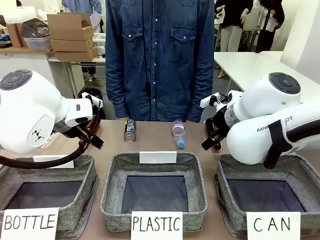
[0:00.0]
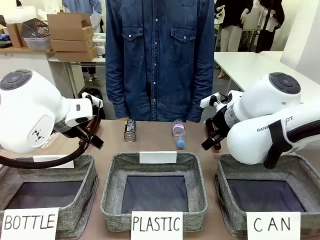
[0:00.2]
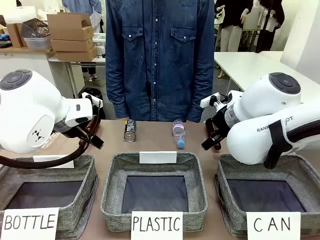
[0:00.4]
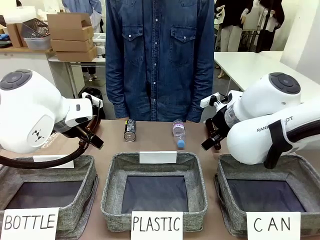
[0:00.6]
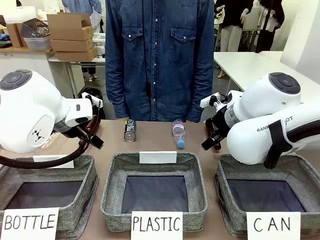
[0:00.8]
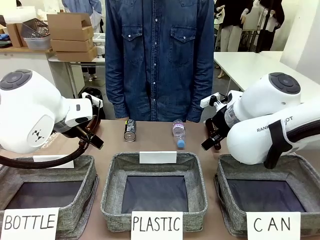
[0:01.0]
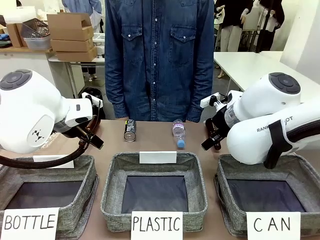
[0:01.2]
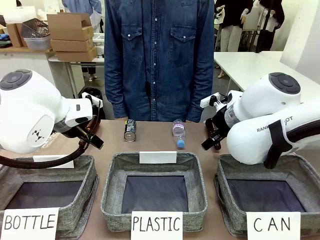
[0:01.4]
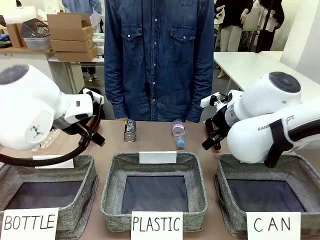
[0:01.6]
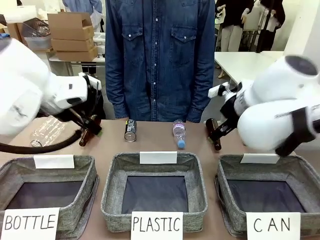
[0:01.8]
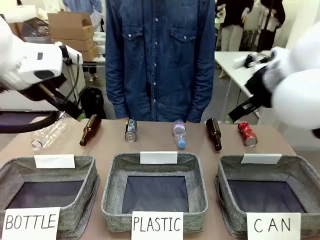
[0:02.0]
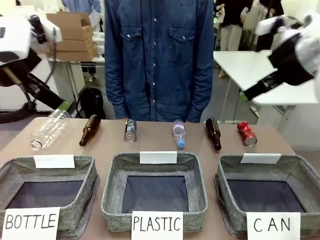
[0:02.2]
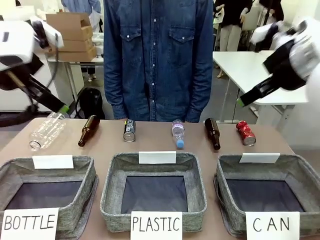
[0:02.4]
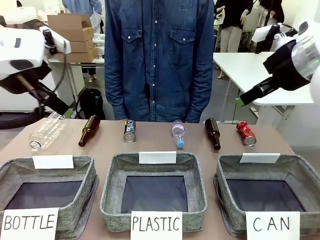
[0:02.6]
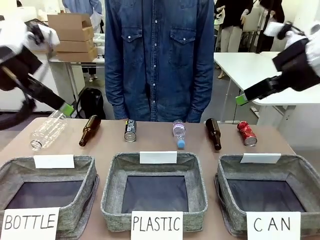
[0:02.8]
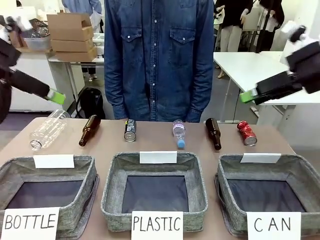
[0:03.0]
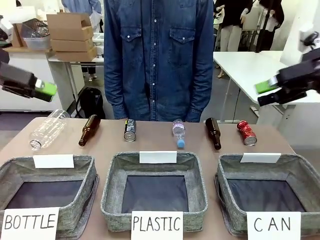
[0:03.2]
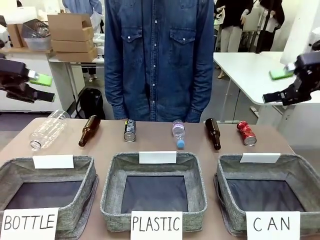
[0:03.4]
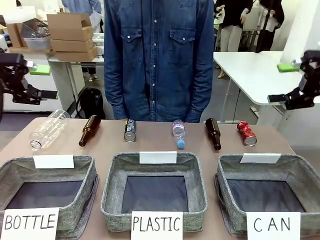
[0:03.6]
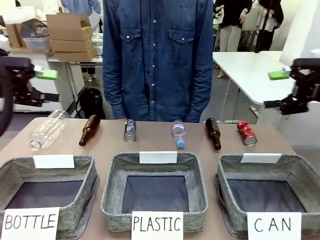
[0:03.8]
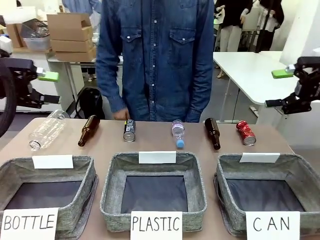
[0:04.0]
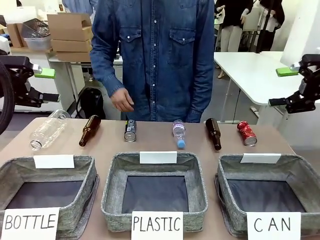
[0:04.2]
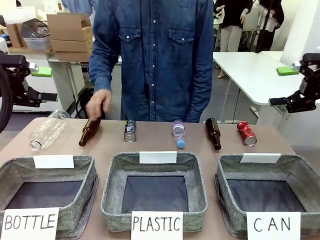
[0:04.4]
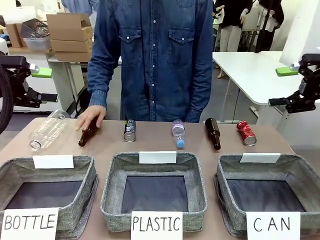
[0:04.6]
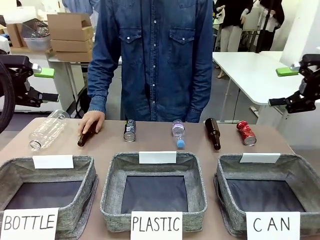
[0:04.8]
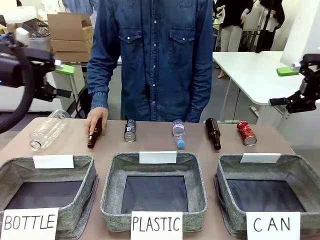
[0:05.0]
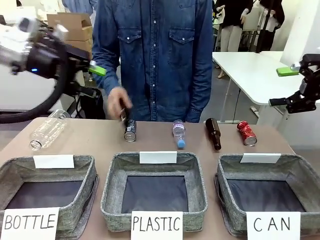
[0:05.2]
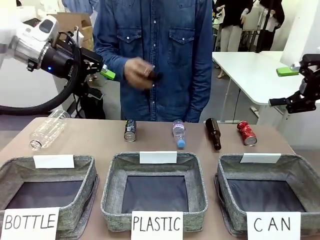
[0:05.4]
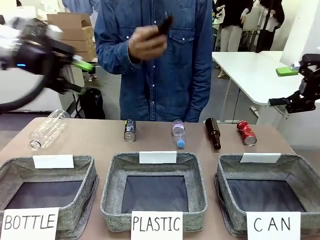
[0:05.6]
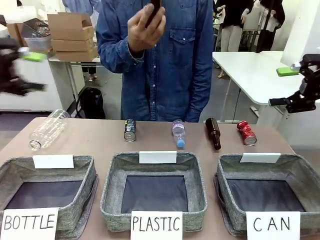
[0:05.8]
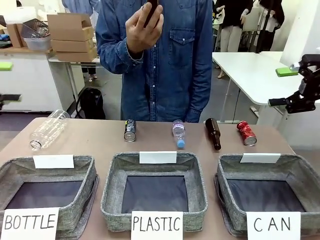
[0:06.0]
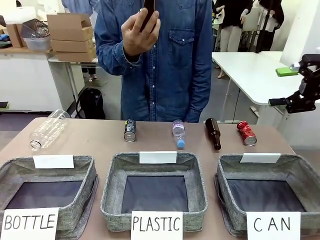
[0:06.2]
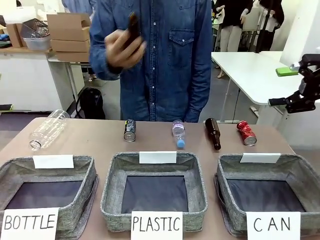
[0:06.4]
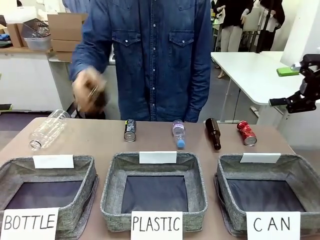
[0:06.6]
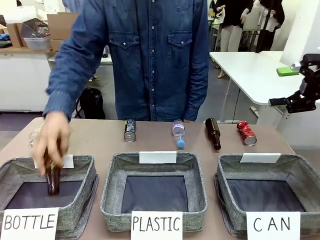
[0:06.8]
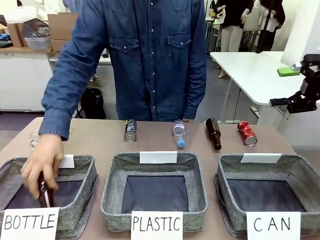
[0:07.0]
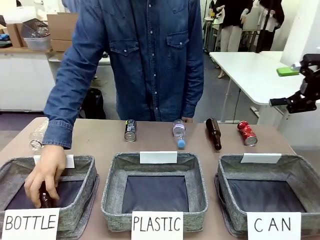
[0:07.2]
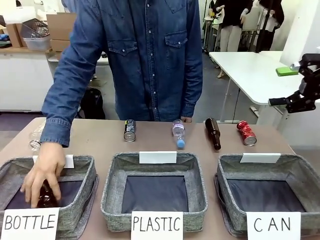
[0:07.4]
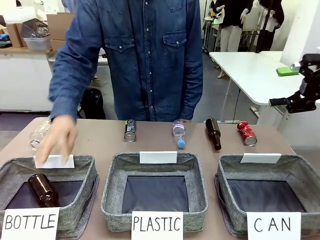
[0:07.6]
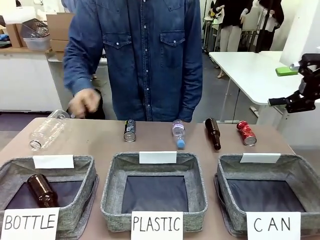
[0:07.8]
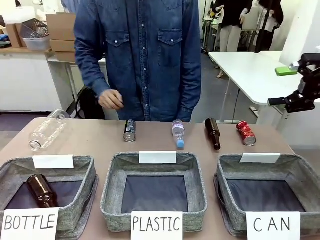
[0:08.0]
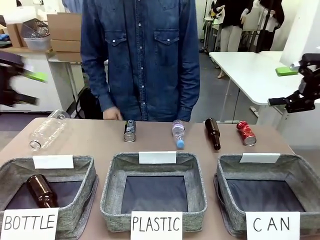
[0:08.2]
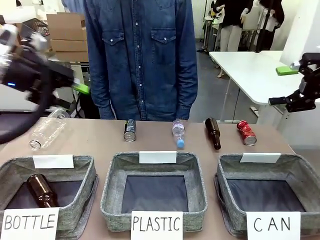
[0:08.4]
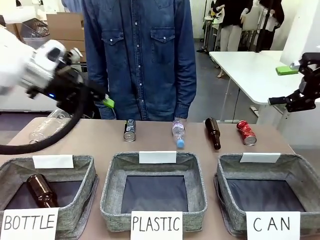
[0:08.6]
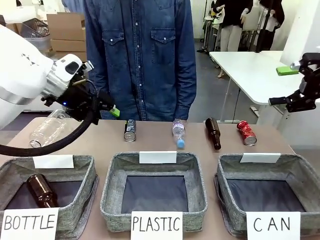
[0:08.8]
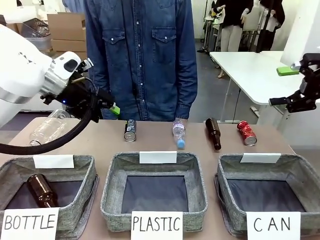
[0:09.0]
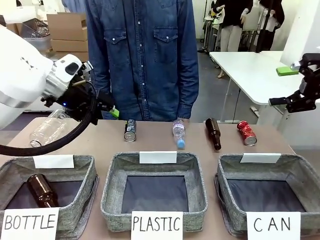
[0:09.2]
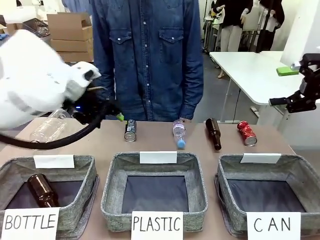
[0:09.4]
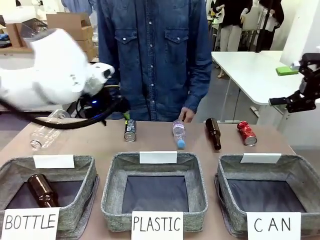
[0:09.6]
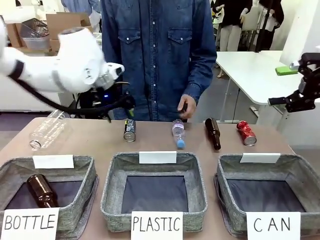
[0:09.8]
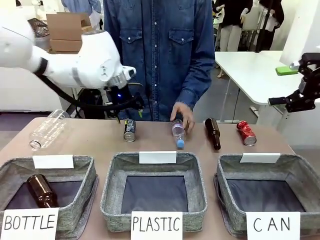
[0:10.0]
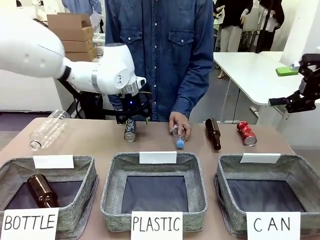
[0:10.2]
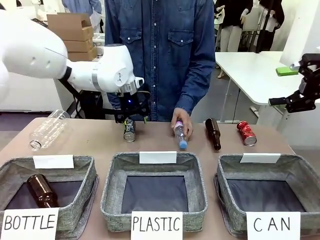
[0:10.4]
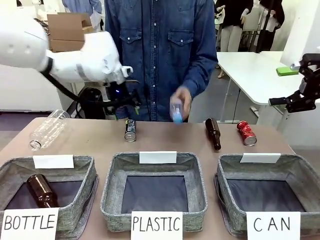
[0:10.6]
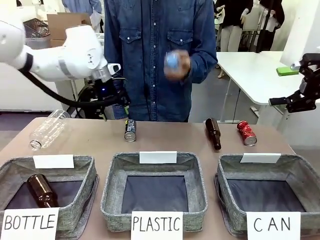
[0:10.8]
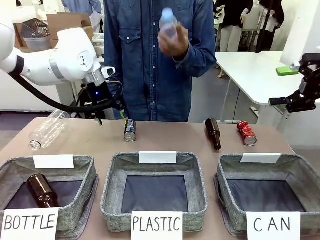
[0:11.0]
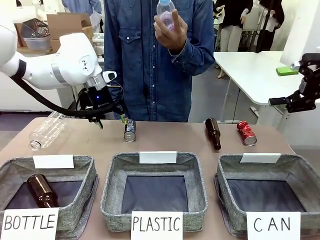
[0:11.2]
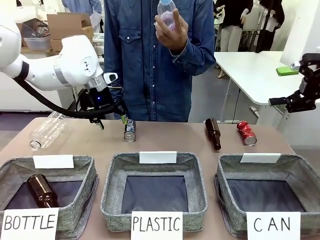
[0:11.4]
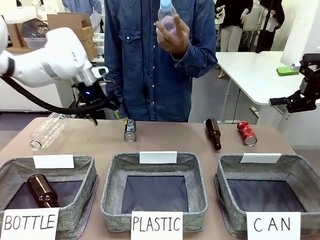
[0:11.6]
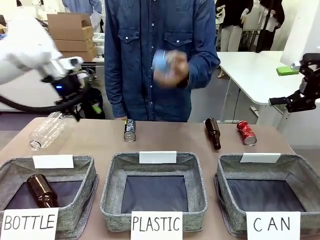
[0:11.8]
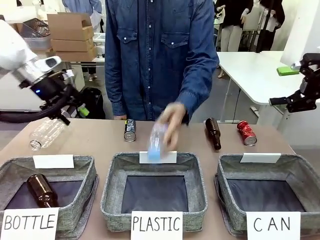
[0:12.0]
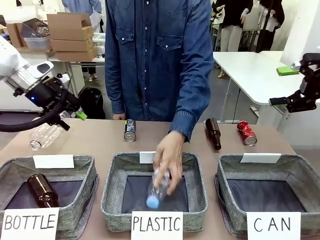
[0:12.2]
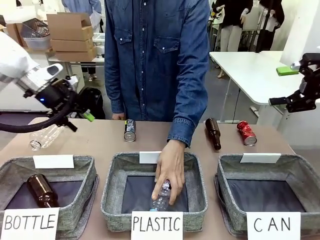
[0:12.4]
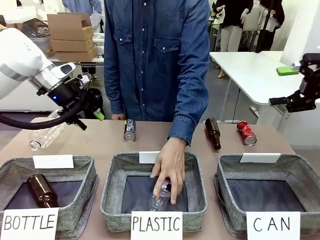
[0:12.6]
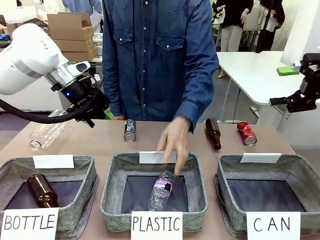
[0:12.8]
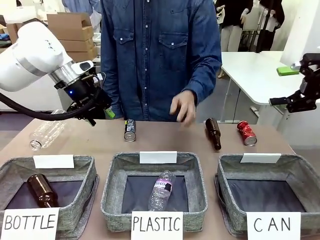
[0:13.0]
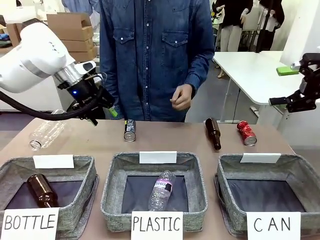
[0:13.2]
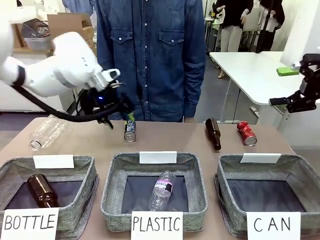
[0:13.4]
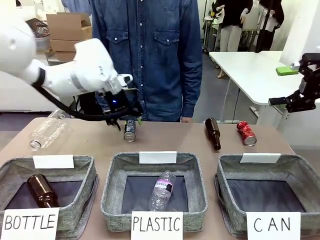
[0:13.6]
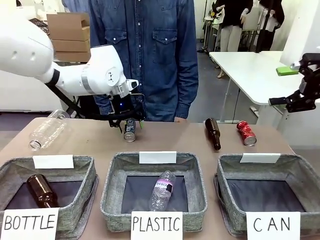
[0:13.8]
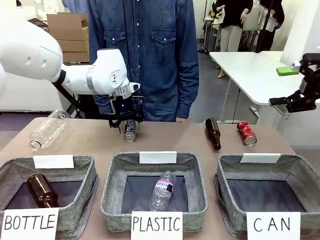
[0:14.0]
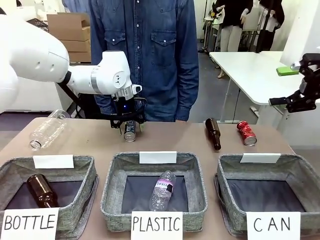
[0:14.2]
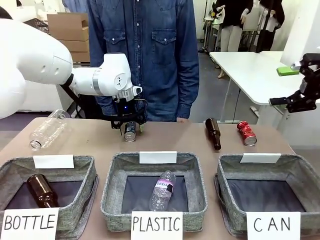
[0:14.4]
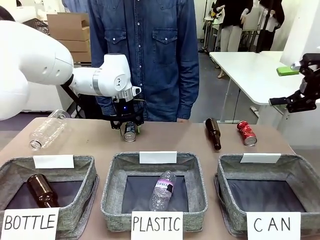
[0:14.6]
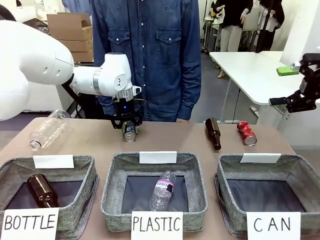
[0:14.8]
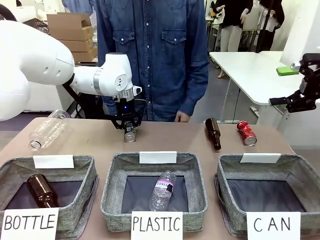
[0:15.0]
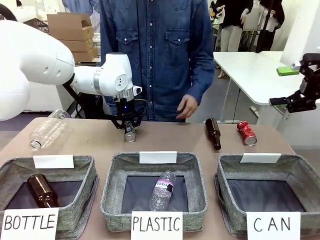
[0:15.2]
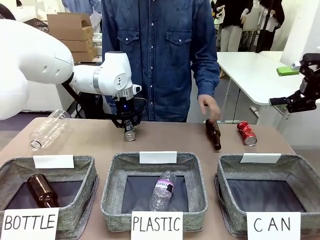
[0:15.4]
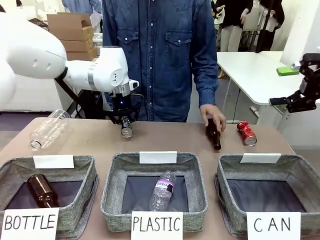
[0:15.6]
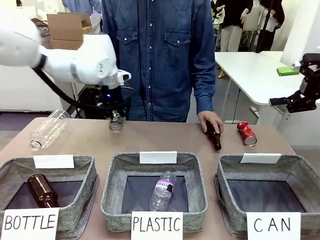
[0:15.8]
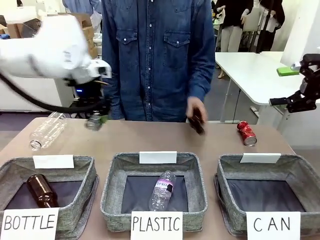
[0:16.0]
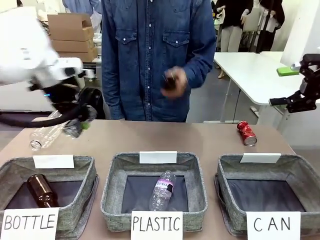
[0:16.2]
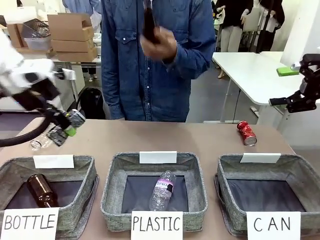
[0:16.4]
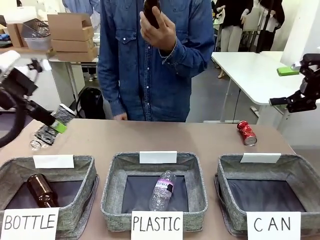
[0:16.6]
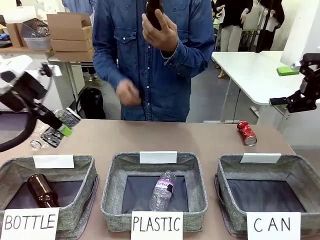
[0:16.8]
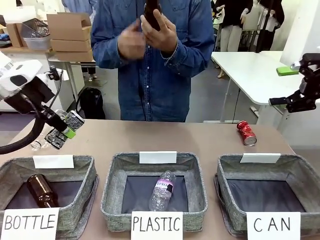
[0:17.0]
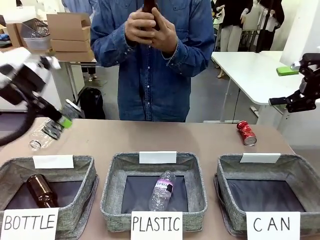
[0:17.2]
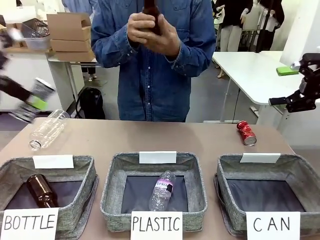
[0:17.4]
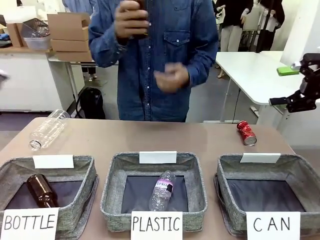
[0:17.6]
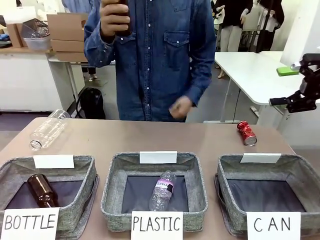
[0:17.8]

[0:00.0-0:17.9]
Task: Sort the can waste into the basket.
Robot: Pick up the can waste from the table and place it in the right Fabric basket.
